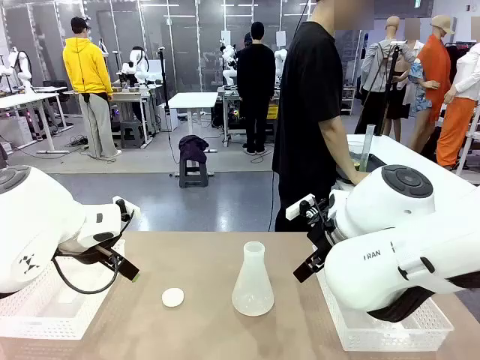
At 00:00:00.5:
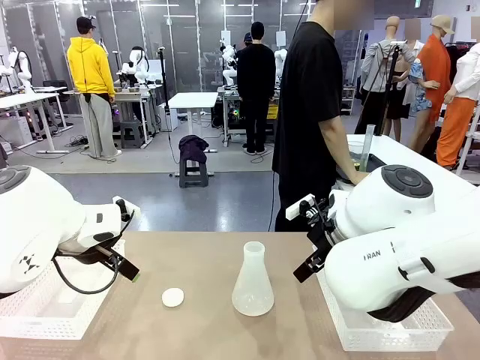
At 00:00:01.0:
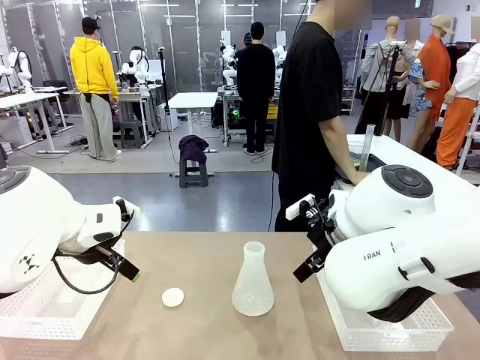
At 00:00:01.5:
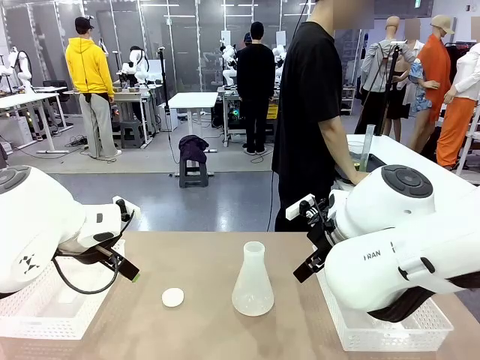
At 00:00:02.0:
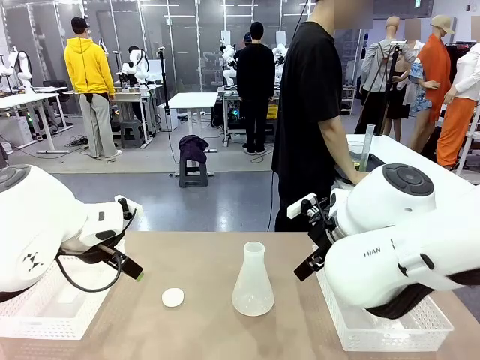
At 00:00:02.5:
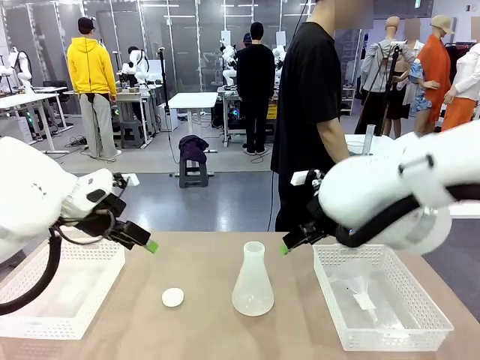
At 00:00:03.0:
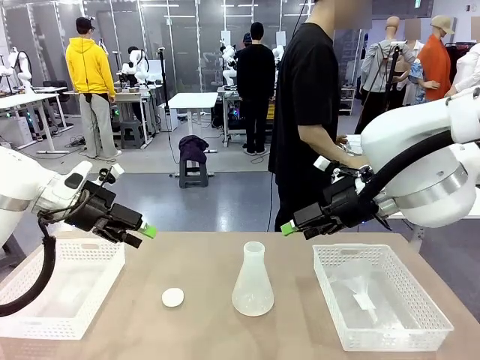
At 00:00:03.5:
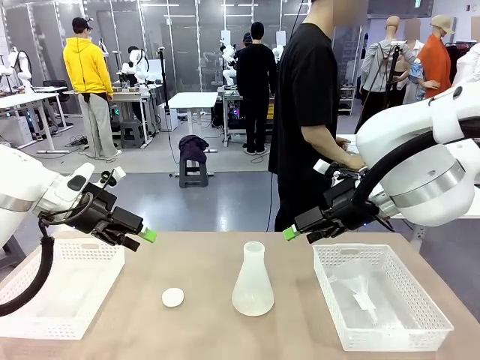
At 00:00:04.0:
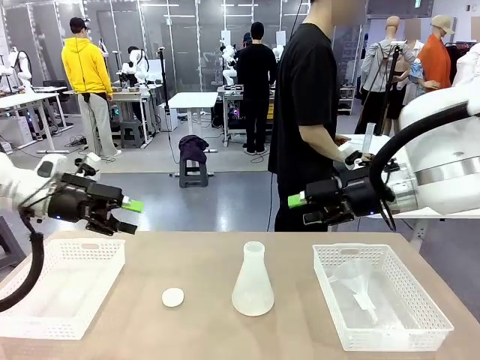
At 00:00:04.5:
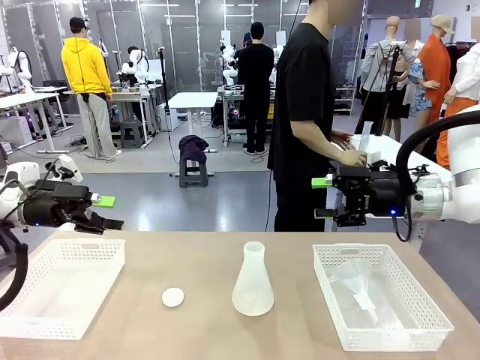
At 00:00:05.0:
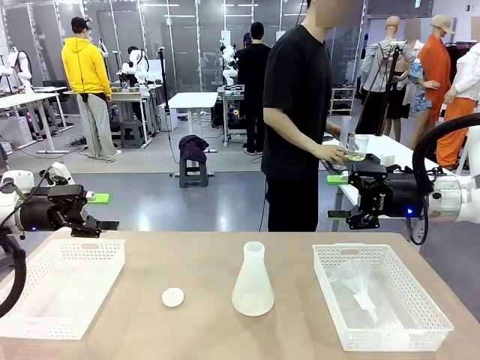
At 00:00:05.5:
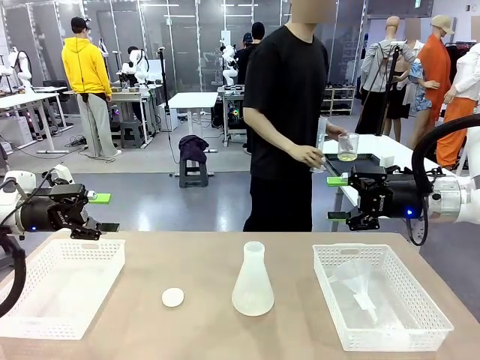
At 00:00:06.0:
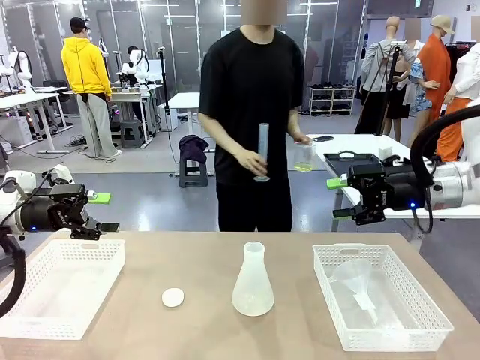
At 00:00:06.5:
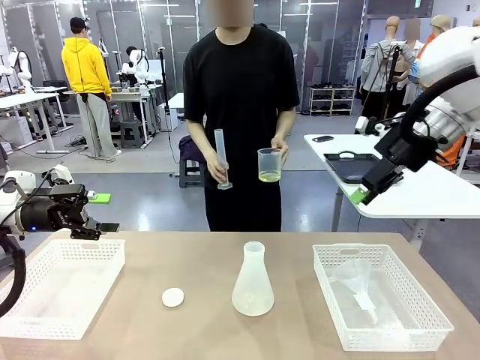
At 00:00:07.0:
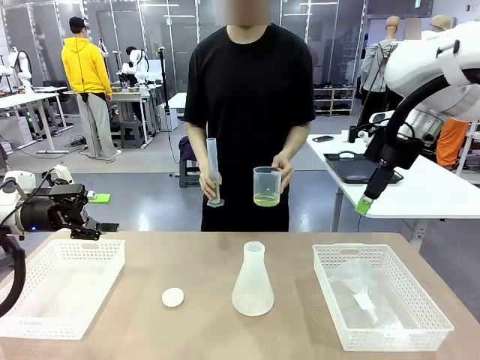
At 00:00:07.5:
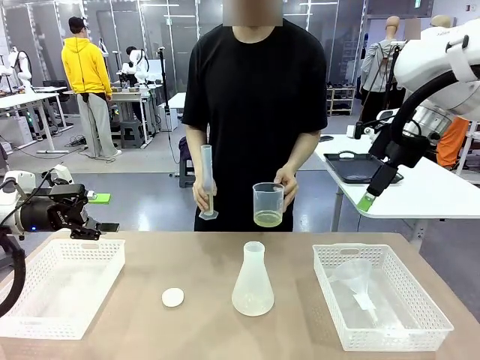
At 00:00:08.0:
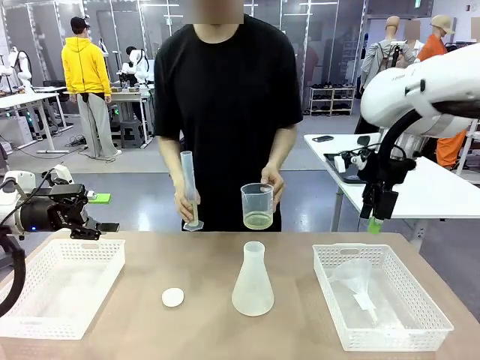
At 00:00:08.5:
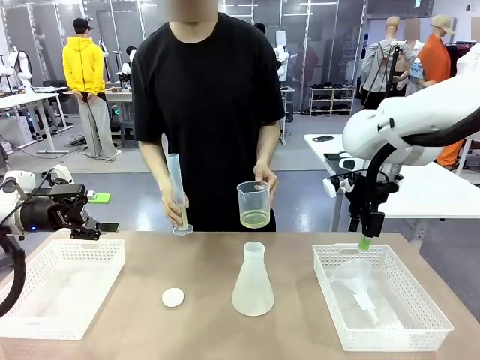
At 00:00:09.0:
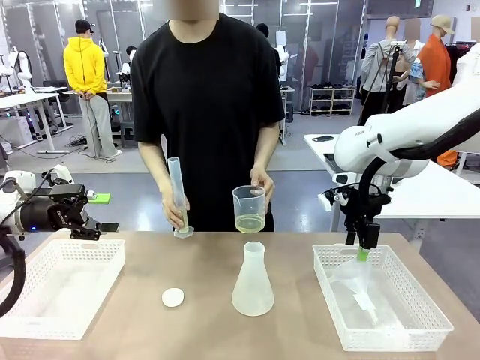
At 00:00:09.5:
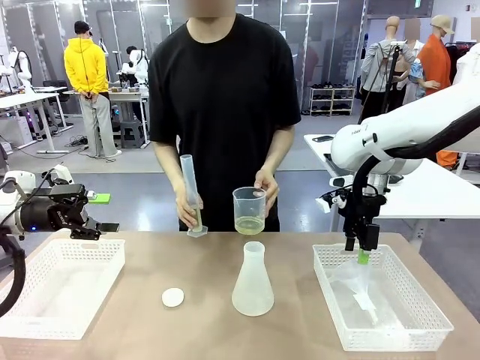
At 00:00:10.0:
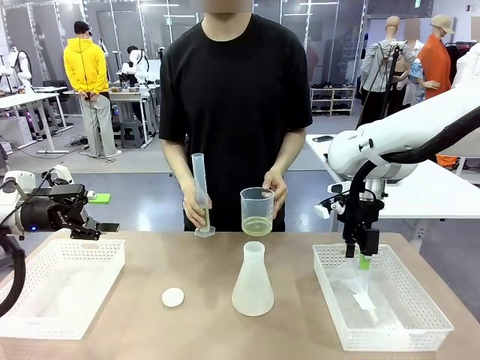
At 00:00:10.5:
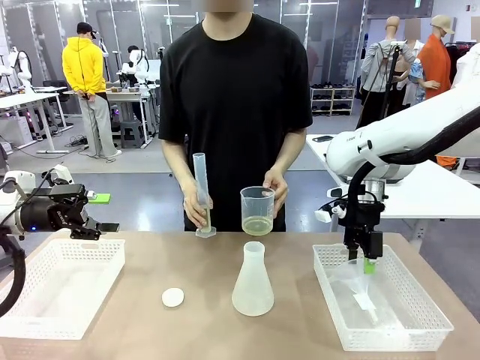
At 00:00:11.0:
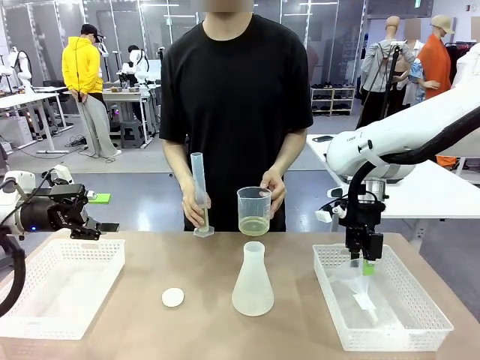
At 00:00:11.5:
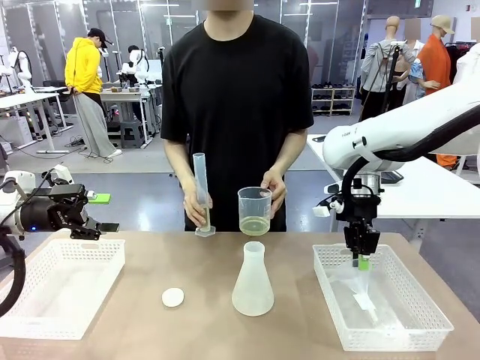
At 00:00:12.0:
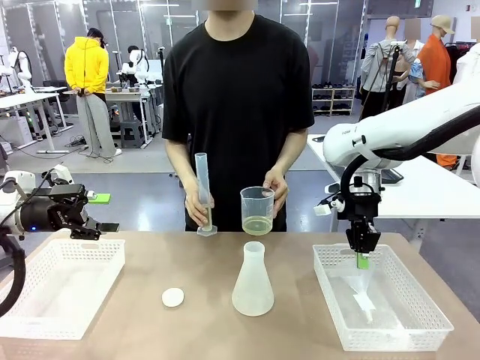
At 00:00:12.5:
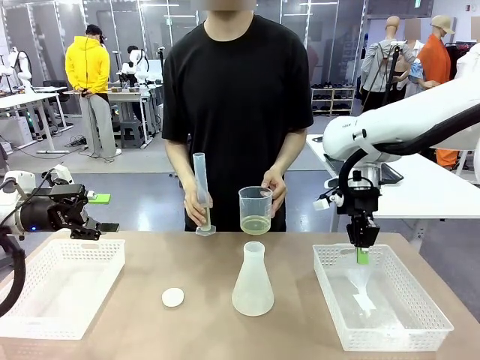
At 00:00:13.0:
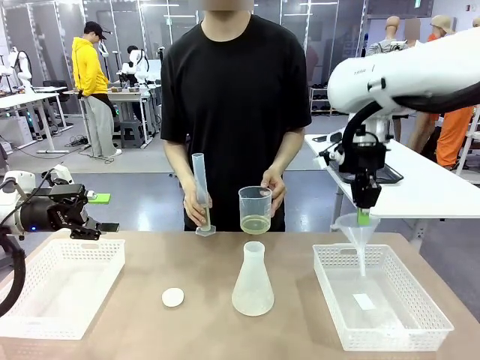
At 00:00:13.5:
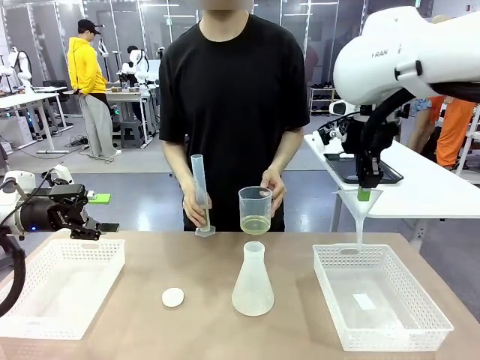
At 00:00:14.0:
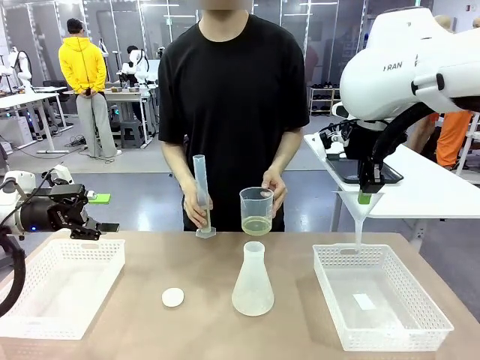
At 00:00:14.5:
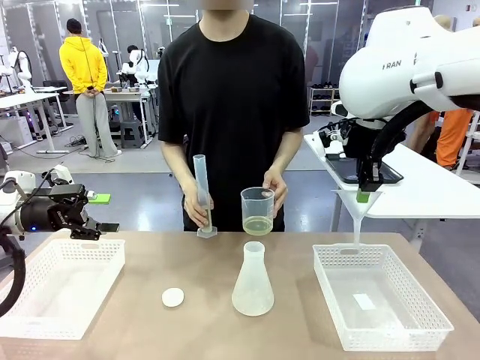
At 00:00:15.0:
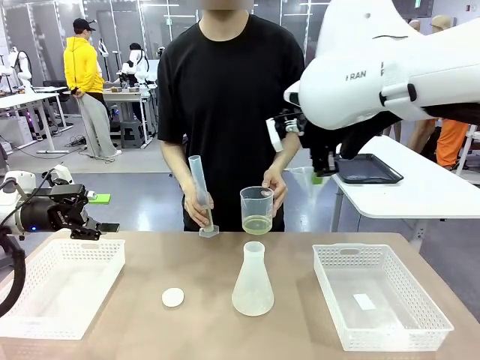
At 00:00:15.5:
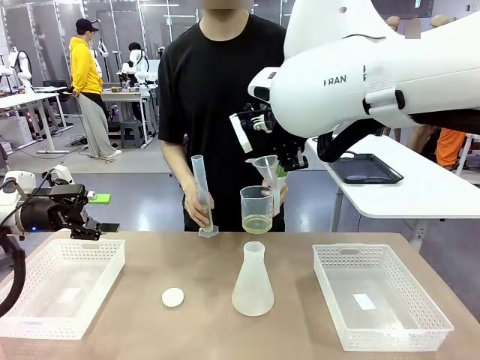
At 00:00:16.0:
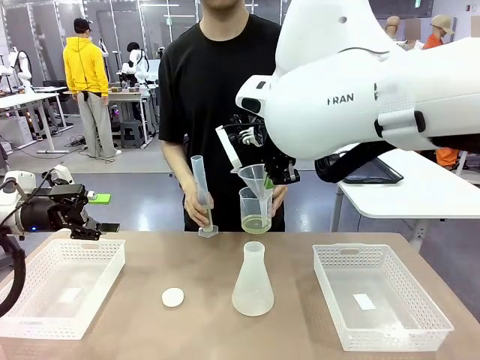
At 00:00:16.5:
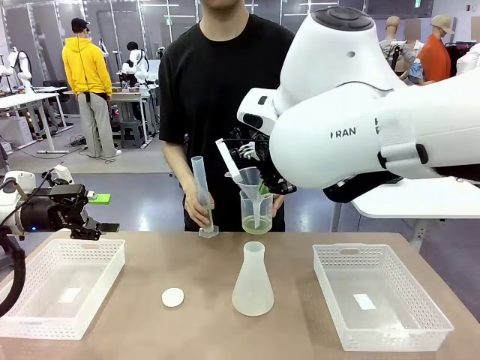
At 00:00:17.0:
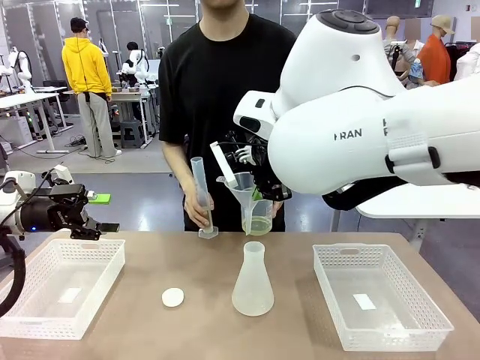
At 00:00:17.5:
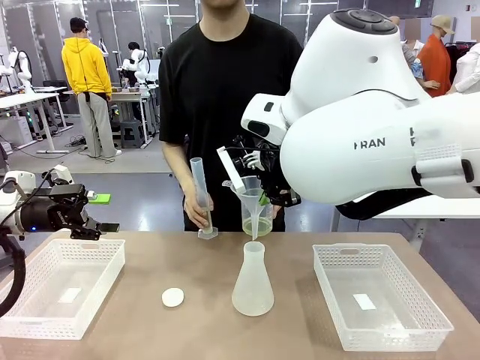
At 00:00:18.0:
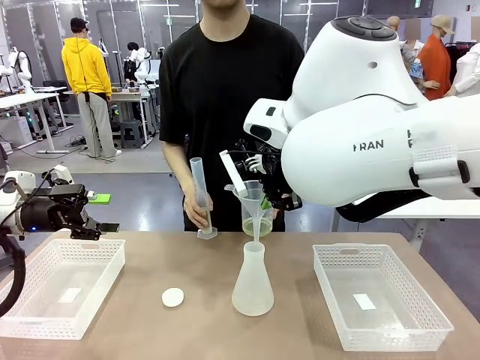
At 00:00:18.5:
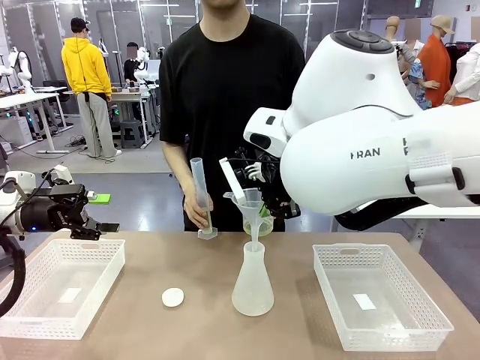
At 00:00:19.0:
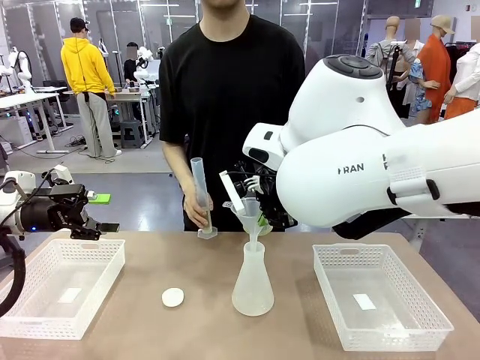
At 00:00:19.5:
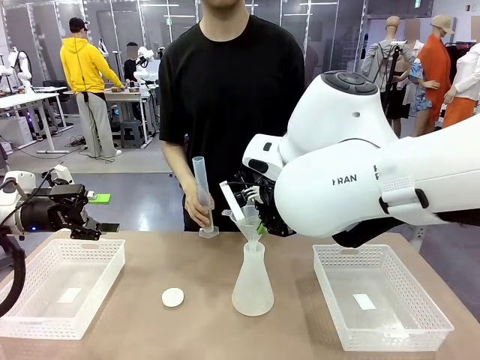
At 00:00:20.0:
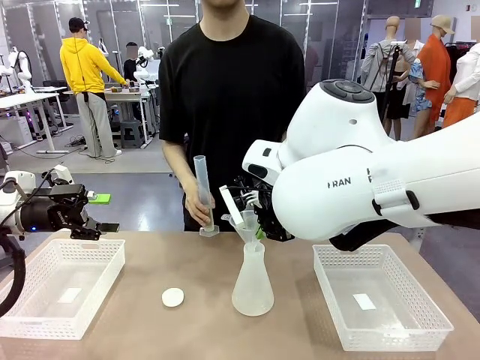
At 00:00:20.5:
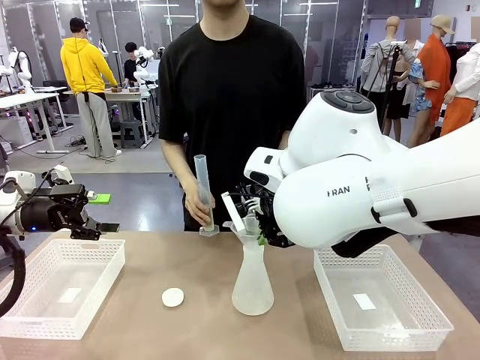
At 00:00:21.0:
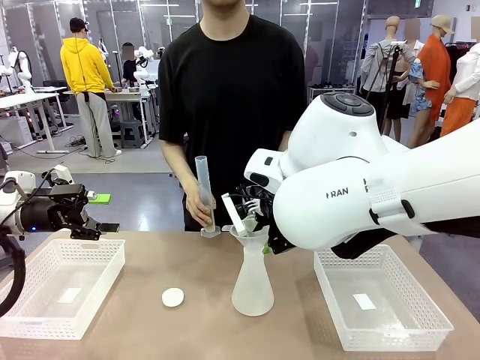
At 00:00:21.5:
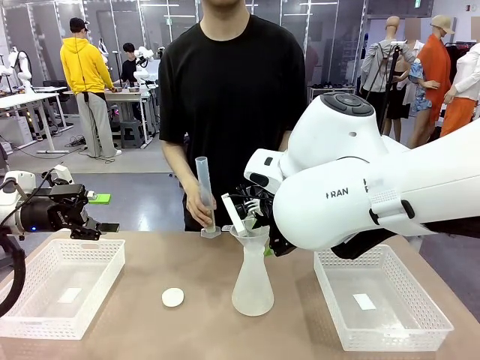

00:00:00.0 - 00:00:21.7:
Task: Prepare the solutions needed for the experiment.
Robot: Pick up the Plastic Funnel and insert it into the Big flask.
Person: Pick up the beaker and the cylinder and move to the middle of the robot table. Pour the solution from the beaker and the cylinder into the flask.

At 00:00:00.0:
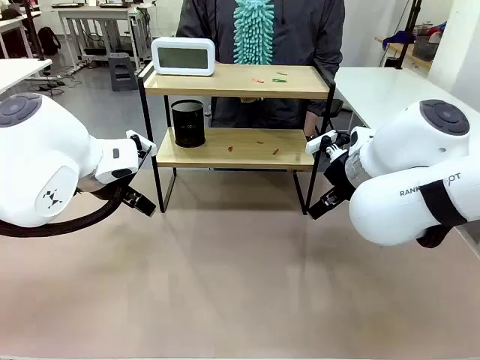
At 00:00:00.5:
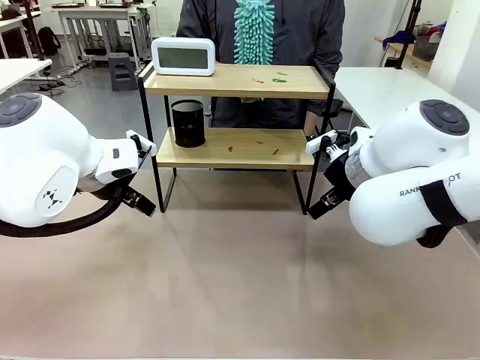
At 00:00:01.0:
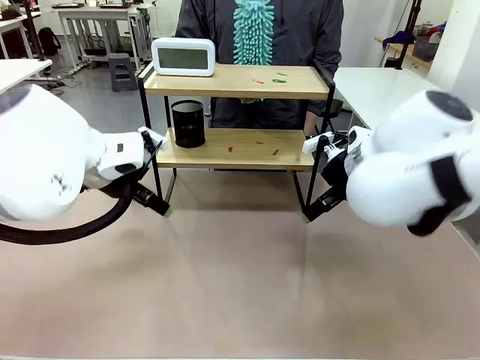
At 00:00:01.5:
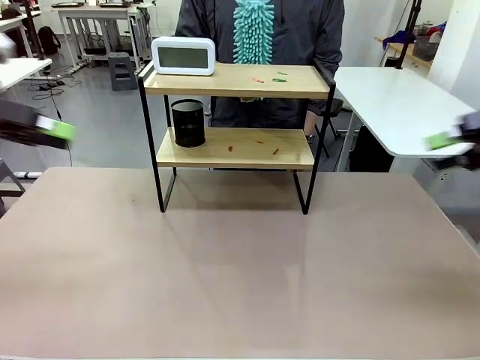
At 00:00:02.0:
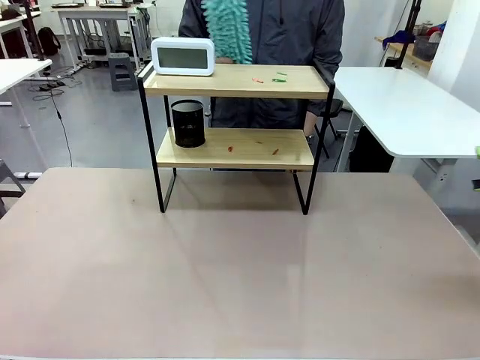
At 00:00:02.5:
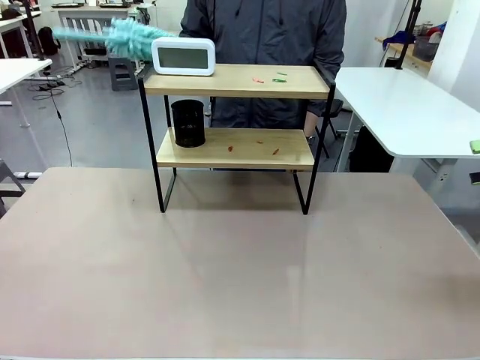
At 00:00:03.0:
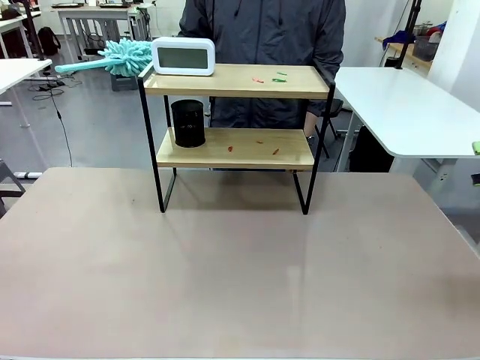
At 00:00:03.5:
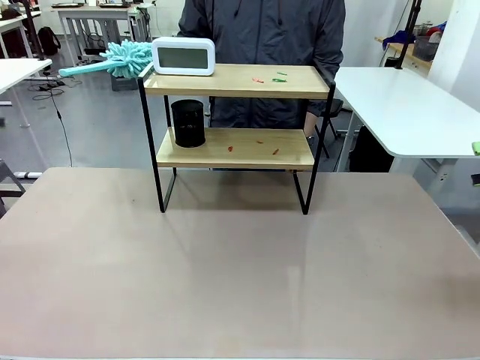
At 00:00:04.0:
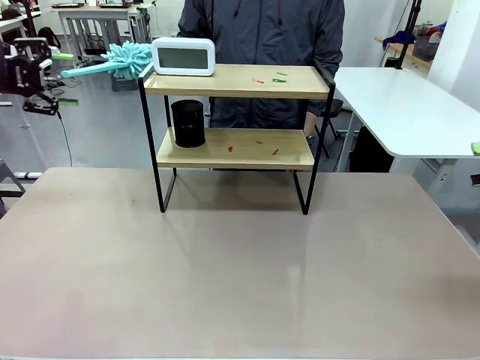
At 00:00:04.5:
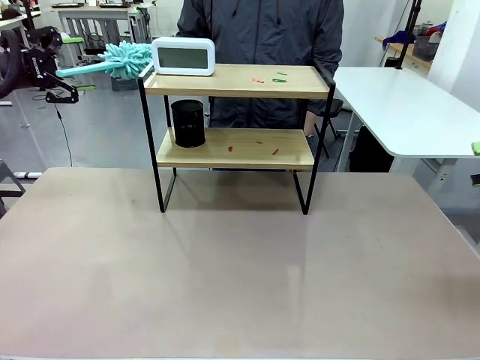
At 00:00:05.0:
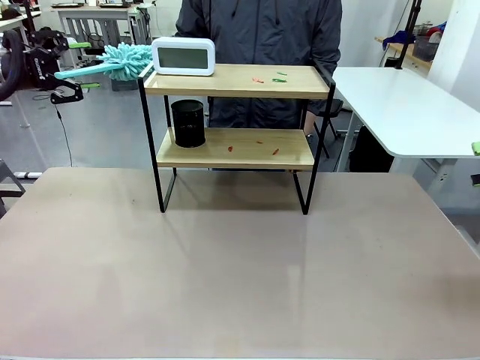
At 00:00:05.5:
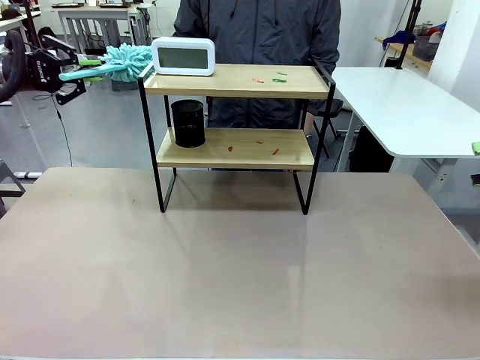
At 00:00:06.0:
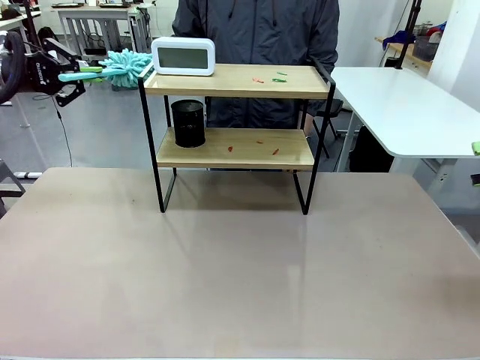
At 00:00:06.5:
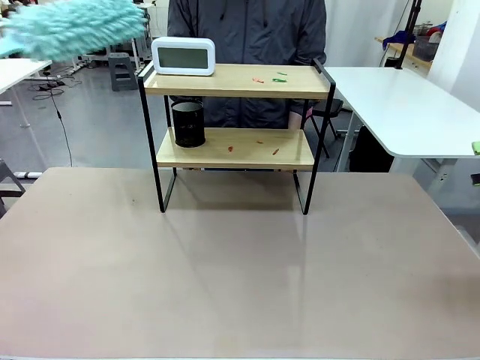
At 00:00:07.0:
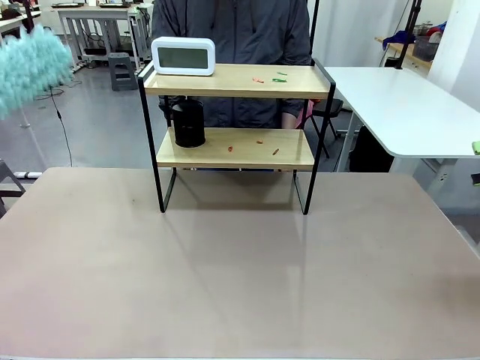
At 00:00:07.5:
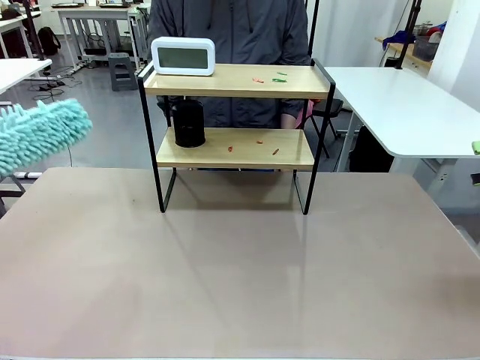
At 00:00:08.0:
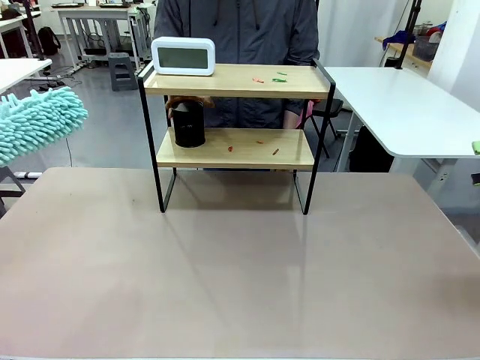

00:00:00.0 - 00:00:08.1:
Task: Clean the shelf.
Robot: Pick up the Duster from the human.
Person: Hand the Duster to the robot.
